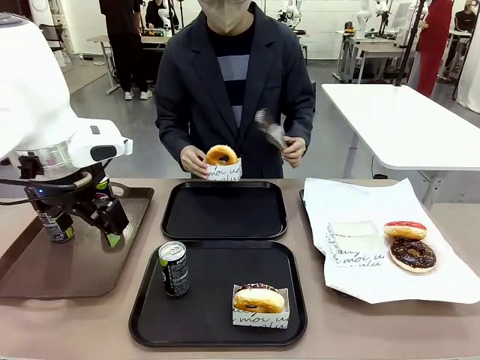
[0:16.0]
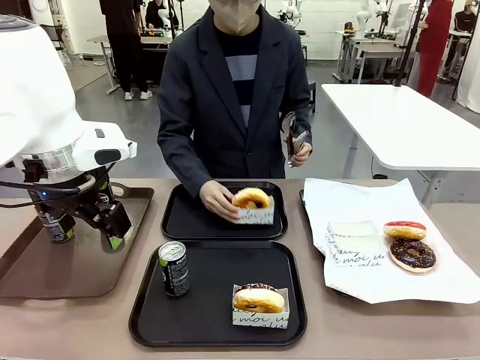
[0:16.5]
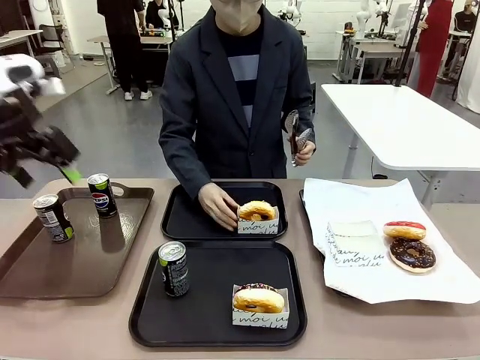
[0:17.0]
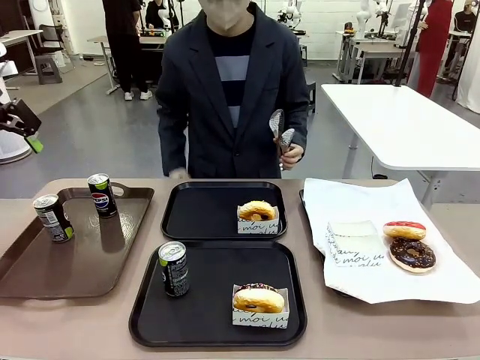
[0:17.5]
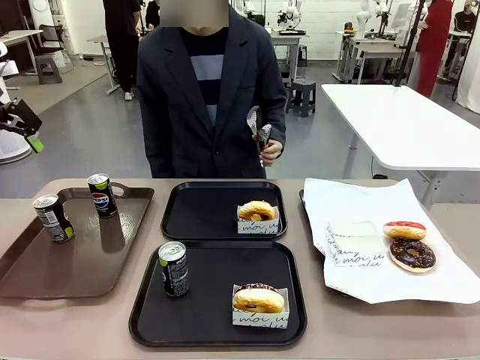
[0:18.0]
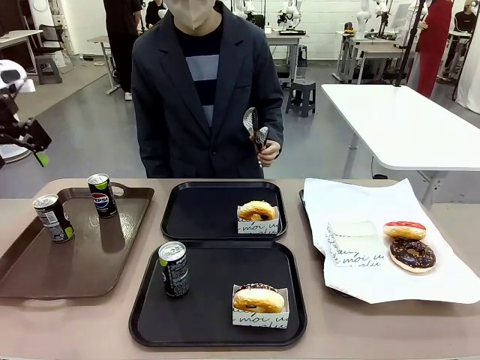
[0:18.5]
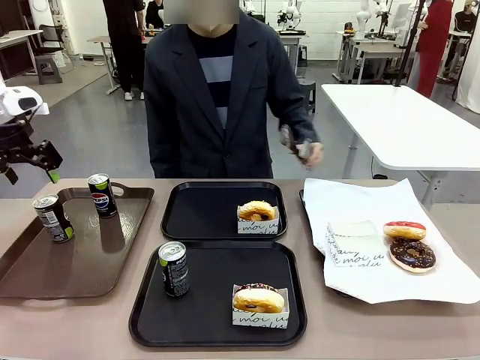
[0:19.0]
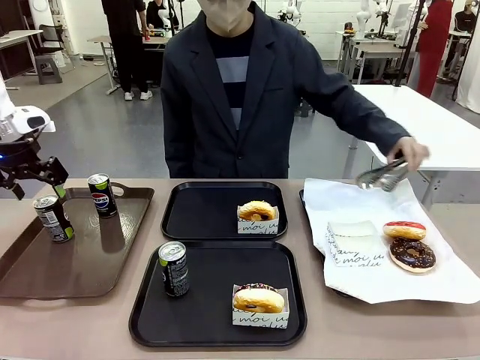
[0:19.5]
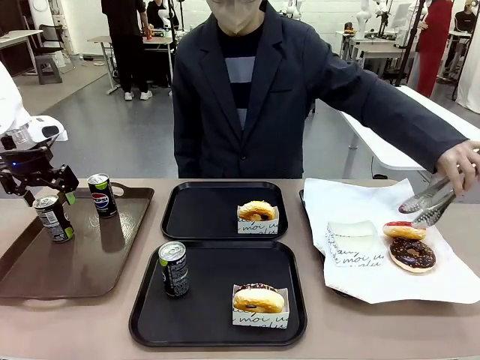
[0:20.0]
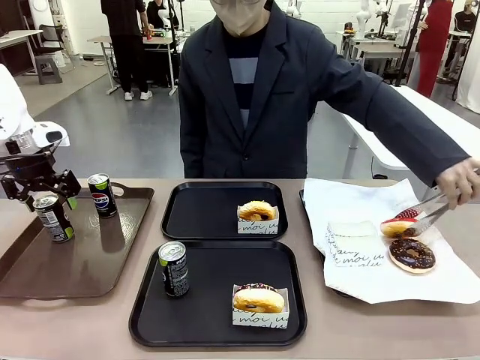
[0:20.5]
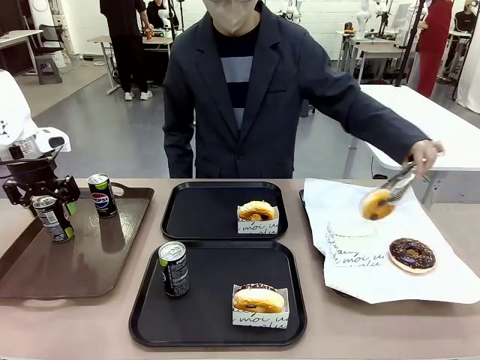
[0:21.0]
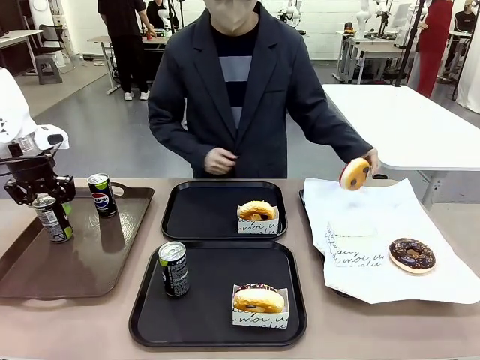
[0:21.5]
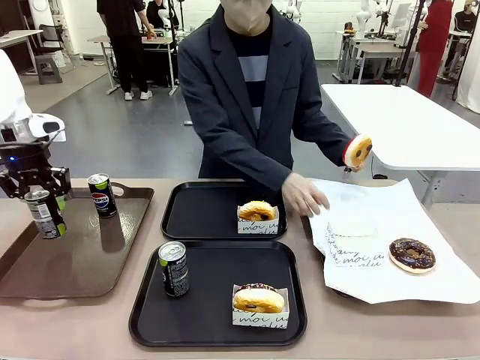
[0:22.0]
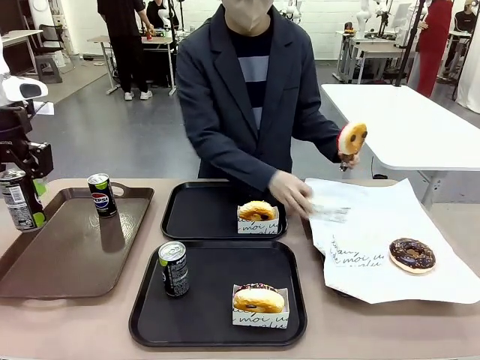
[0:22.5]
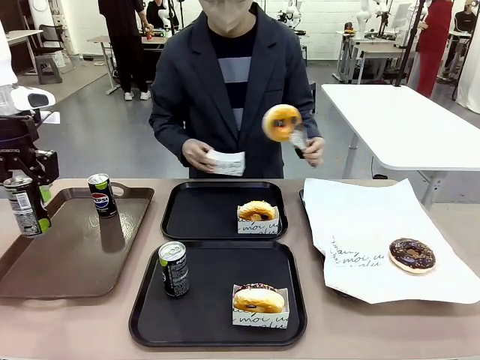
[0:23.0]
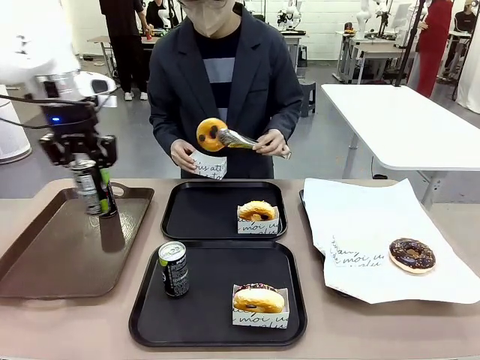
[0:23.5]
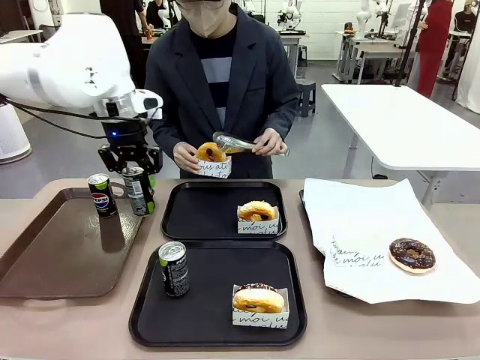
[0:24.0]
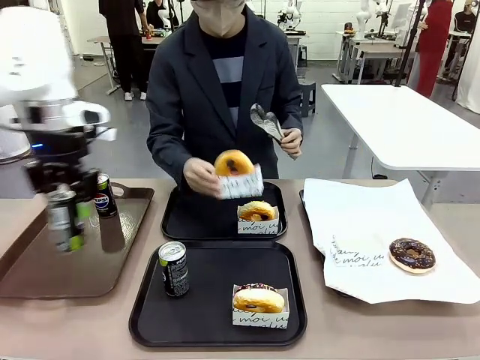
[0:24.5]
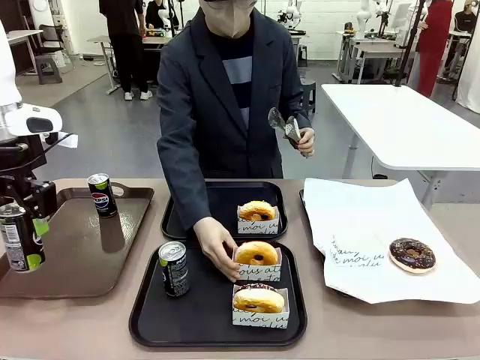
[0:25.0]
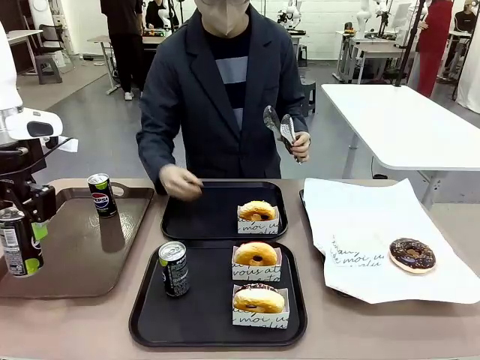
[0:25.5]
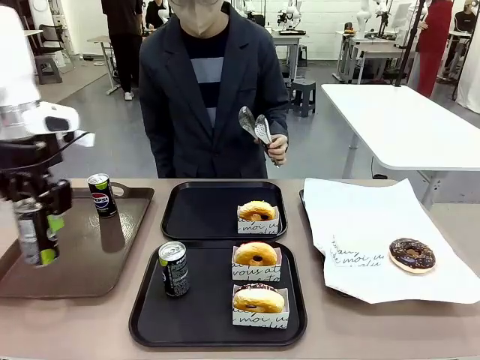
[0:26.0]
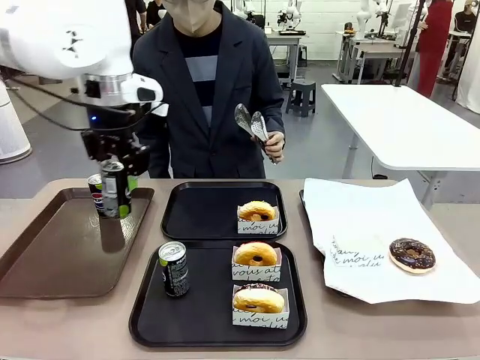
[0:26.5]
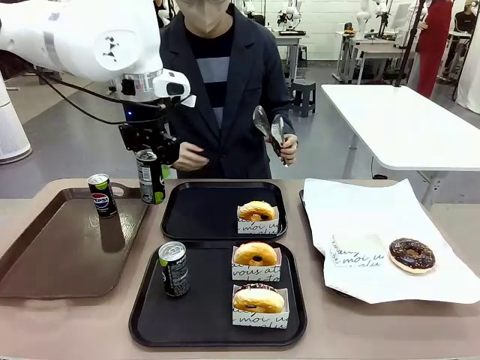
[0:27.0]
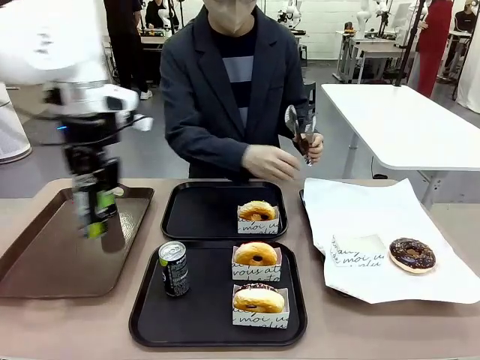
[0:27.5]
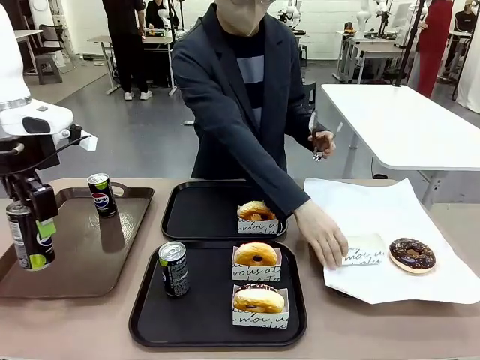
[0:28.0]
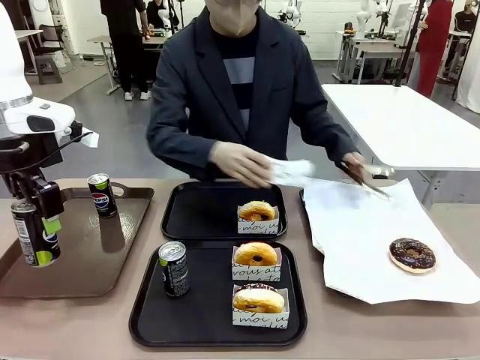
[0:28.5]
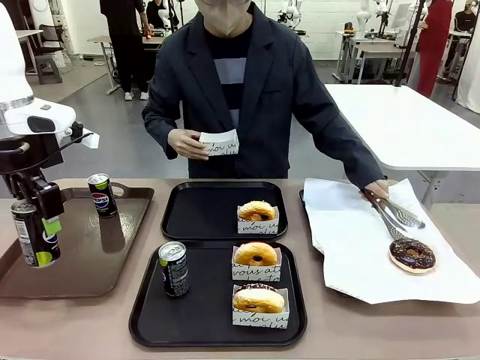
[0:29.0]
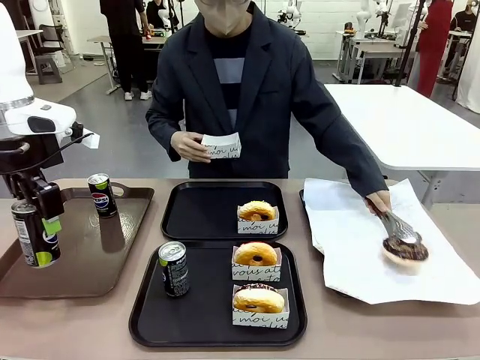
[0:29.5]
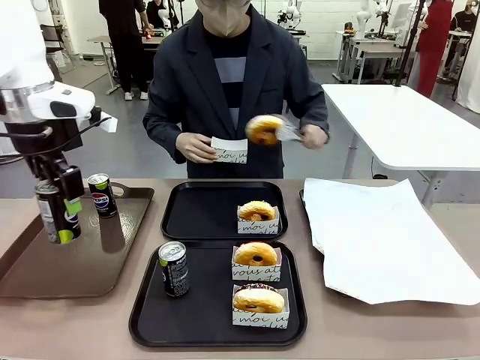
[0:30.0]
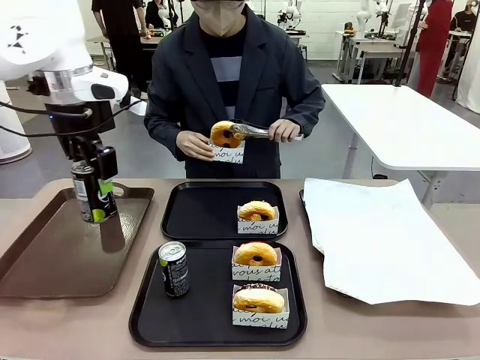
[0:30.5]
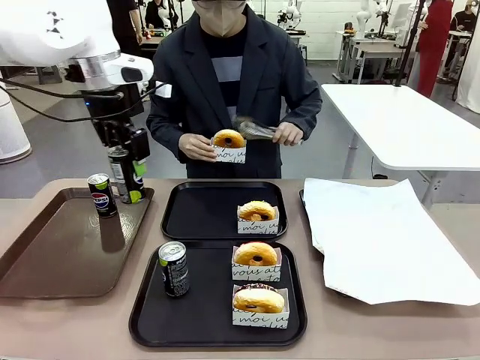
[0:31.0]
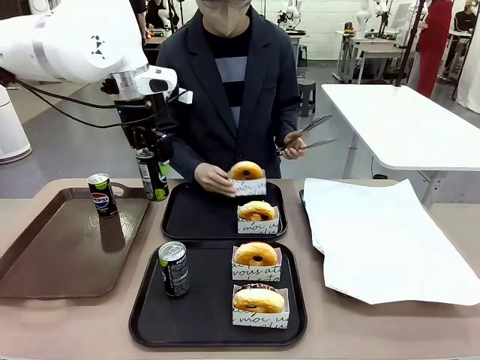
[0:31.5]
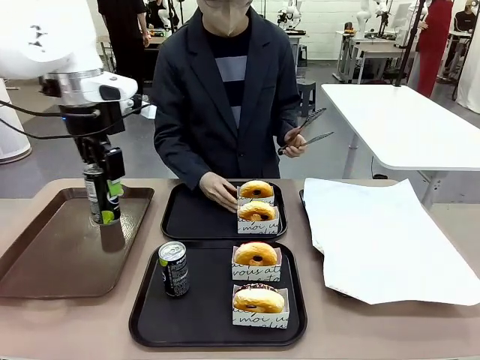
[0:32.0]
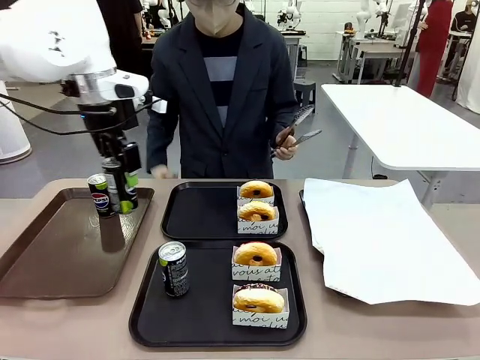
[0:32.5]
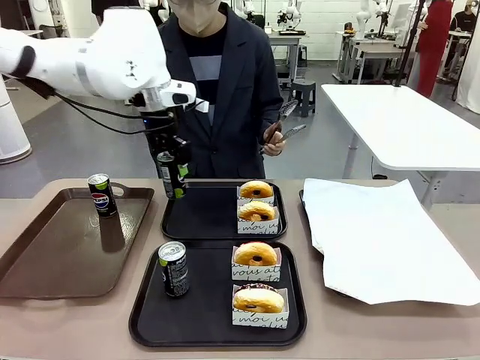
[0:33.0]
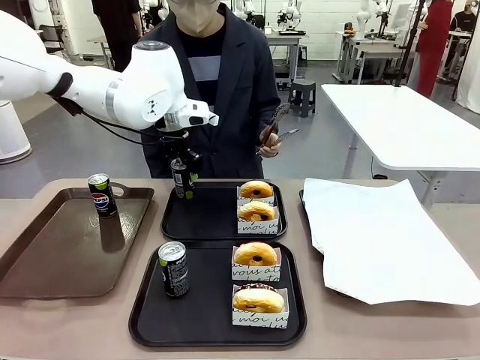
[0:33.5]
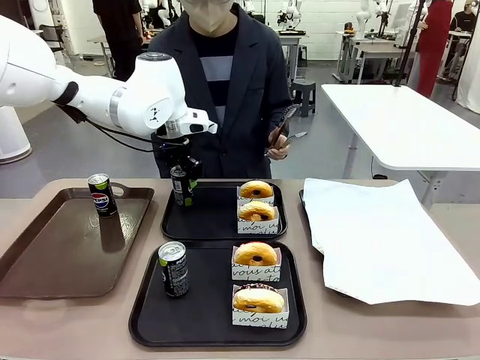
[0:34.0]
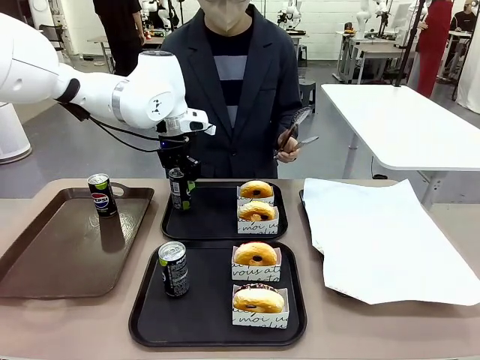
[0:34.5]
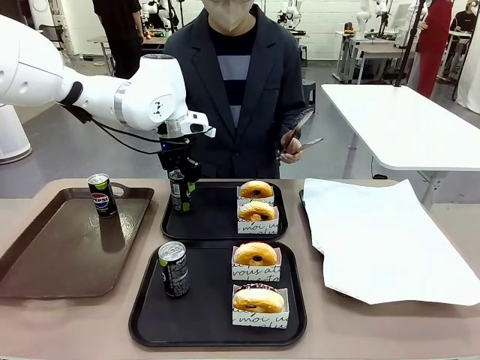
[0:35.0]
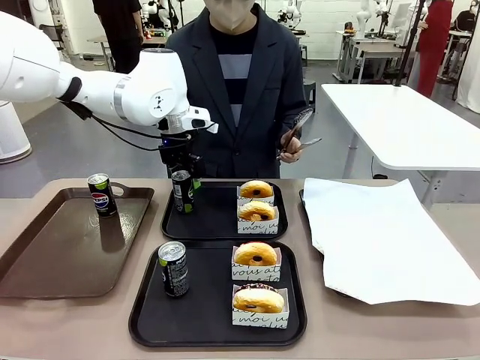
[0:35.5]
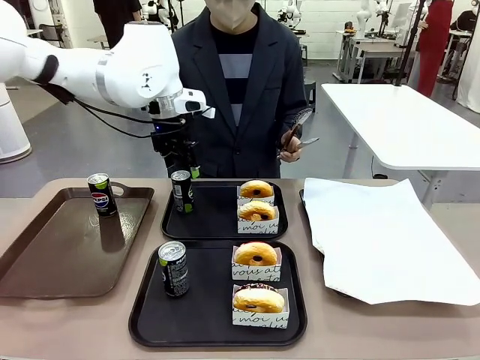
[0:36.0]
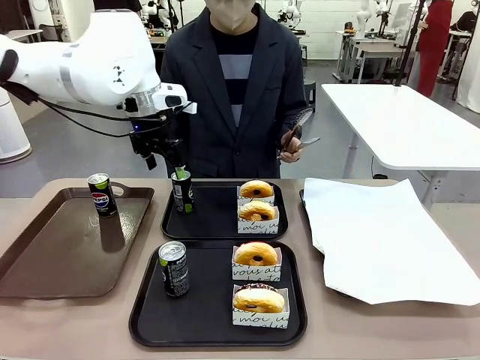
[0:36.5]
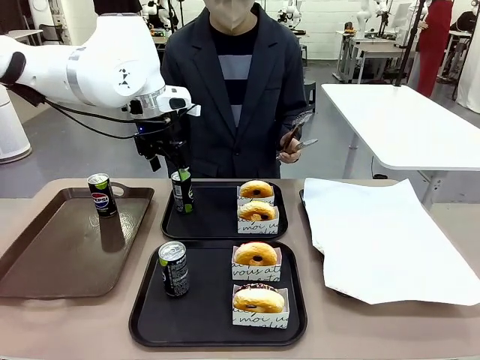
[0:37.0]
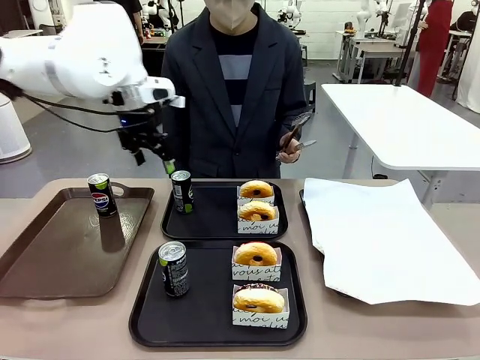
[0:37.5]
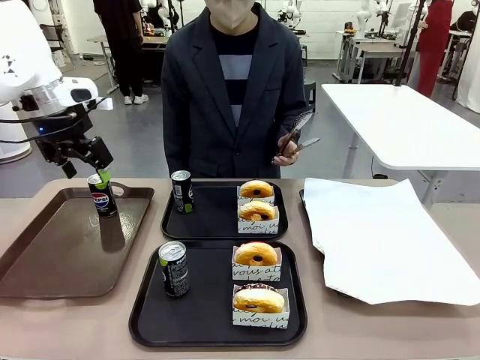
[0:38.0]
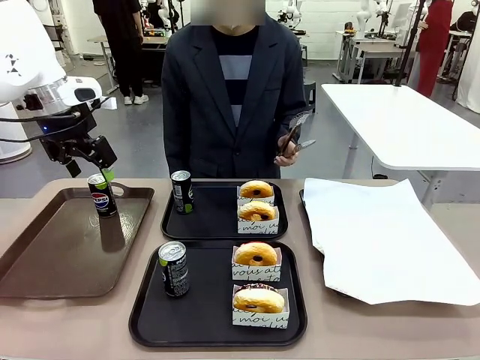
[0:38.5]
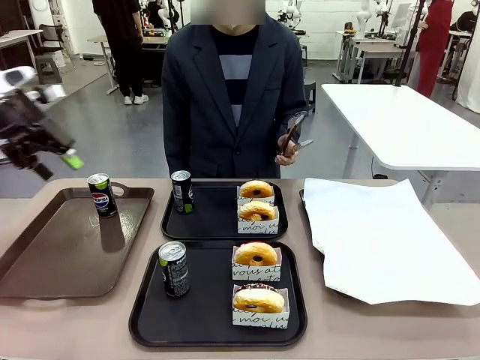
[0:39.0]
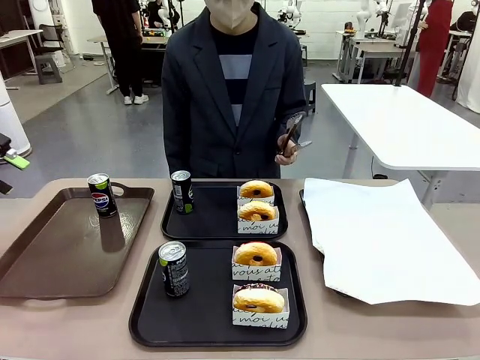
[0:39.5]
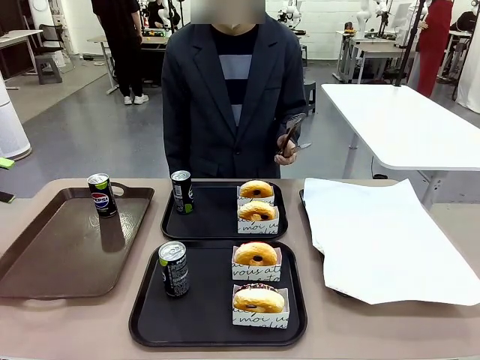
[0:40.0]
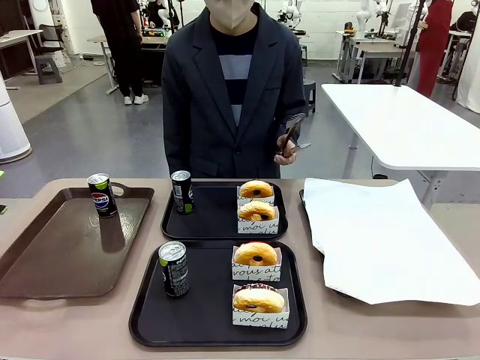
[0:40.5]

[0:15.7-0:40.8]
Task: Set up donuts and drinks on trays.
Robot: Pick up one Pepsi coke from the Handle tray and place it on the Flat Tray without a Pepsi coke.
Person: Pick up one donut with tongs, place it in the donut tray, and then place the donut tray on the flat tray.
